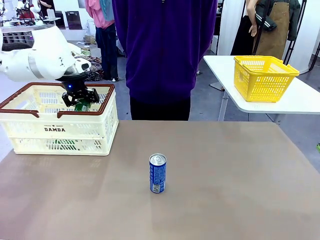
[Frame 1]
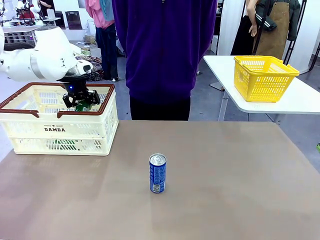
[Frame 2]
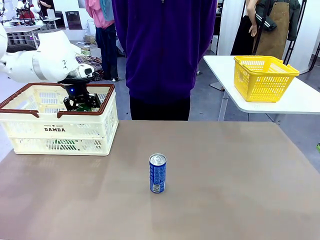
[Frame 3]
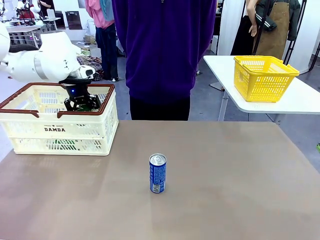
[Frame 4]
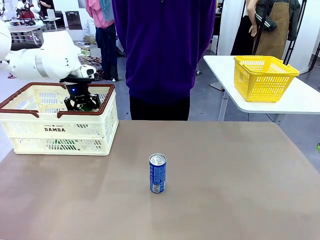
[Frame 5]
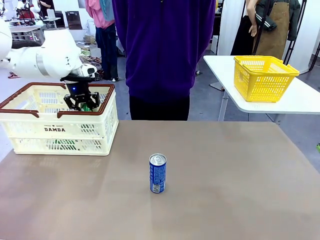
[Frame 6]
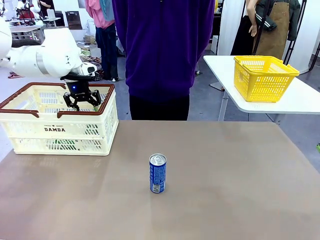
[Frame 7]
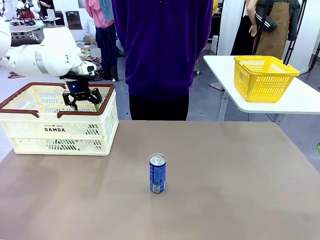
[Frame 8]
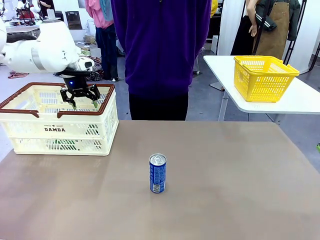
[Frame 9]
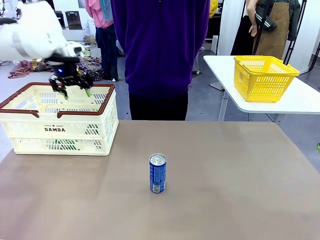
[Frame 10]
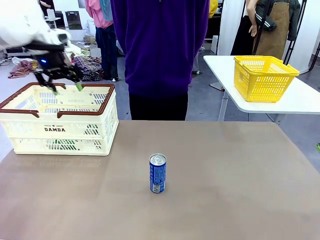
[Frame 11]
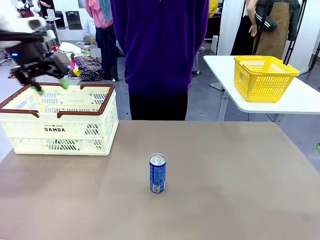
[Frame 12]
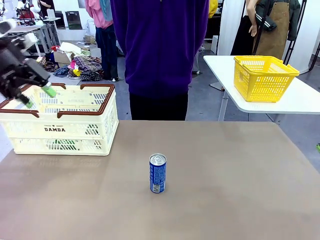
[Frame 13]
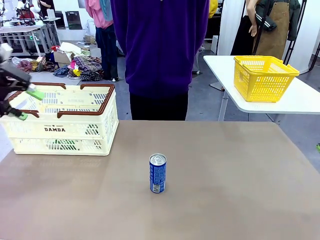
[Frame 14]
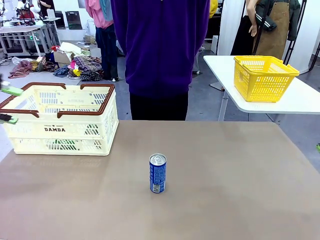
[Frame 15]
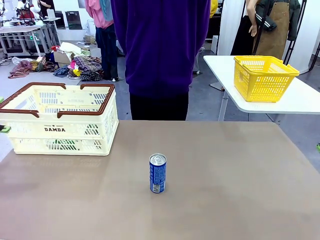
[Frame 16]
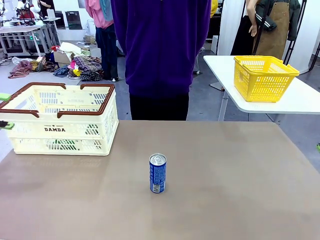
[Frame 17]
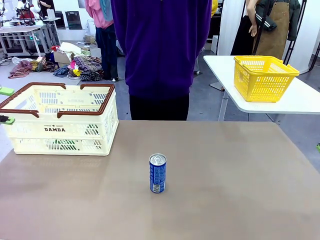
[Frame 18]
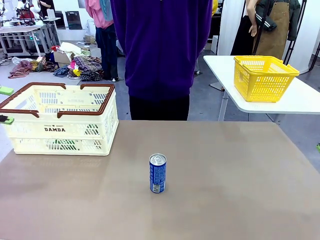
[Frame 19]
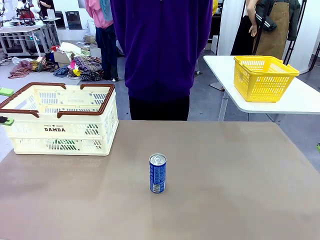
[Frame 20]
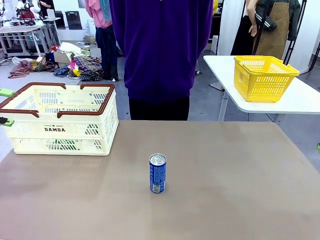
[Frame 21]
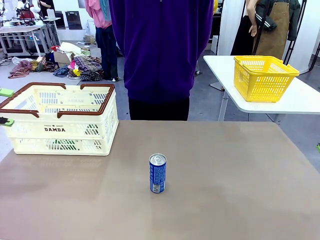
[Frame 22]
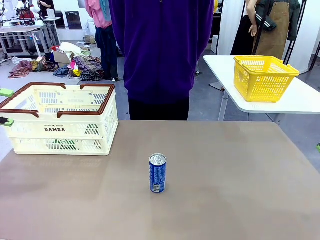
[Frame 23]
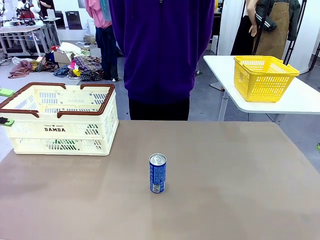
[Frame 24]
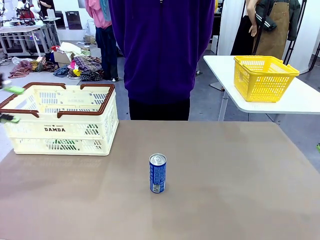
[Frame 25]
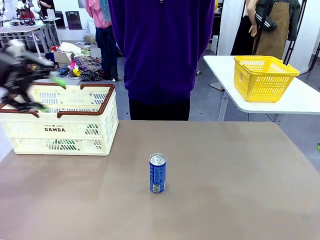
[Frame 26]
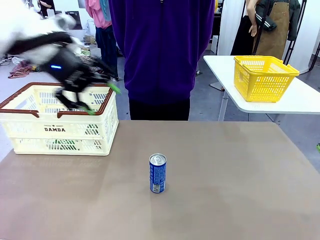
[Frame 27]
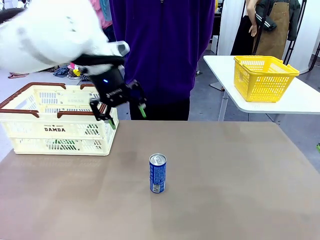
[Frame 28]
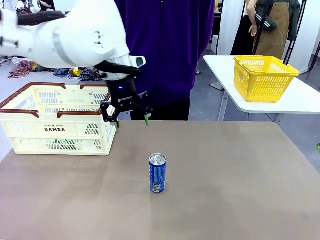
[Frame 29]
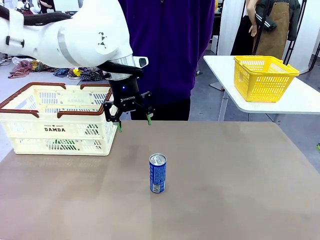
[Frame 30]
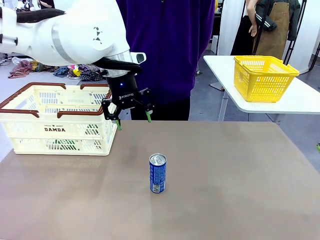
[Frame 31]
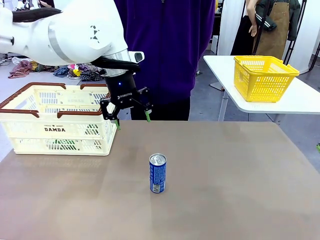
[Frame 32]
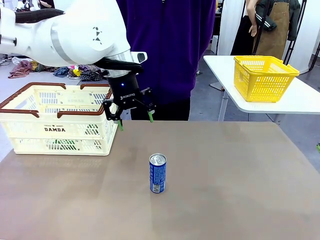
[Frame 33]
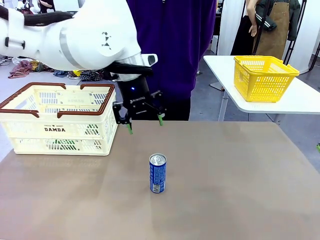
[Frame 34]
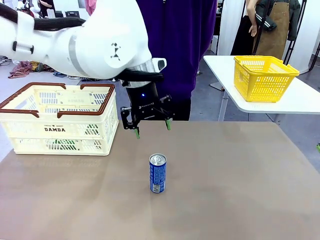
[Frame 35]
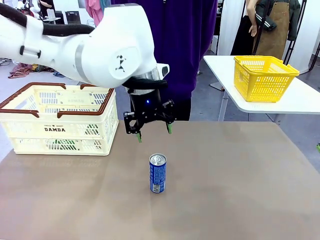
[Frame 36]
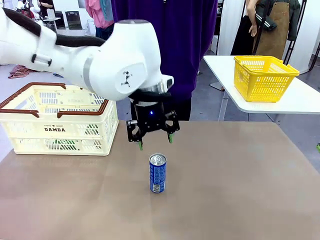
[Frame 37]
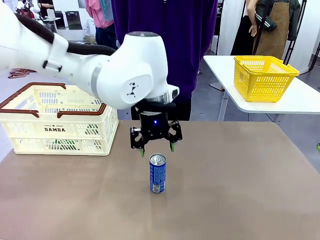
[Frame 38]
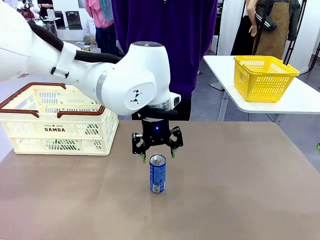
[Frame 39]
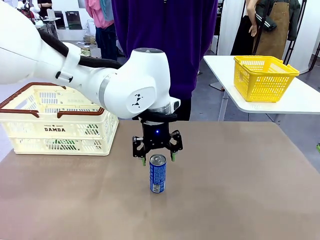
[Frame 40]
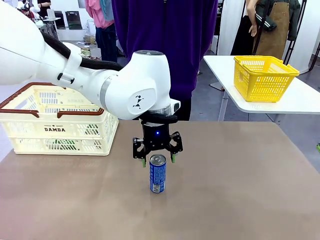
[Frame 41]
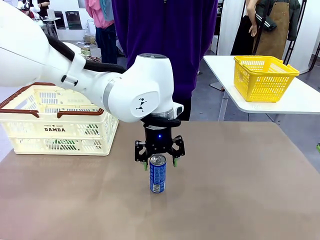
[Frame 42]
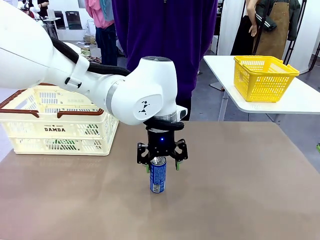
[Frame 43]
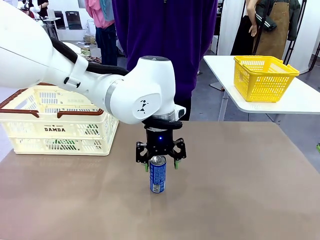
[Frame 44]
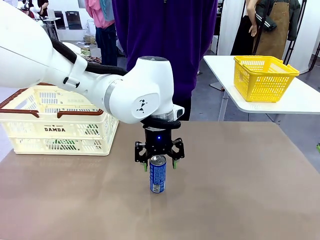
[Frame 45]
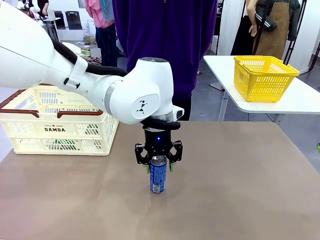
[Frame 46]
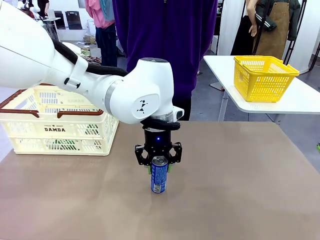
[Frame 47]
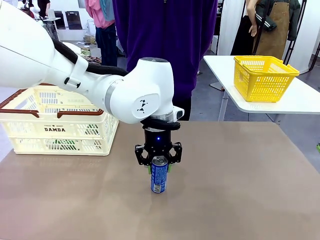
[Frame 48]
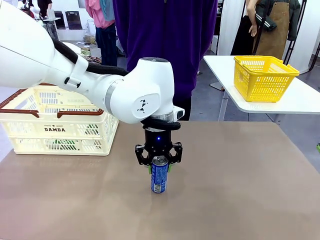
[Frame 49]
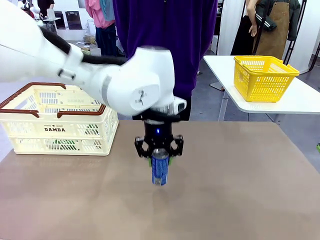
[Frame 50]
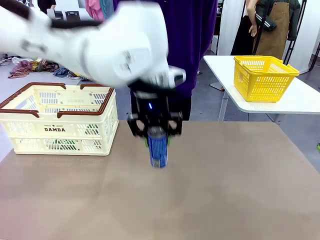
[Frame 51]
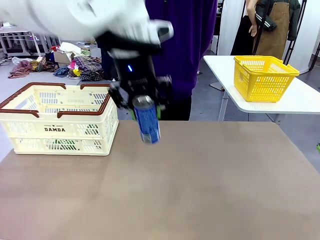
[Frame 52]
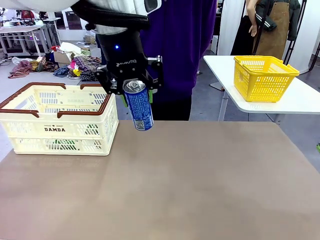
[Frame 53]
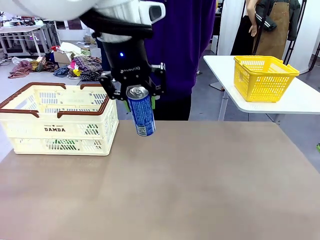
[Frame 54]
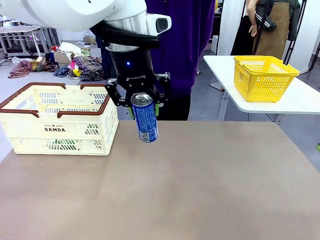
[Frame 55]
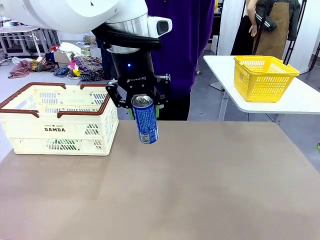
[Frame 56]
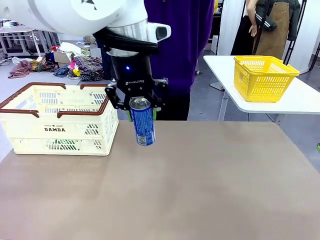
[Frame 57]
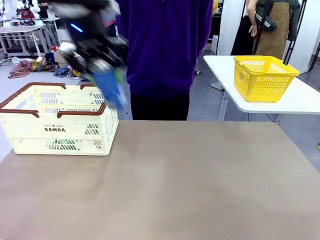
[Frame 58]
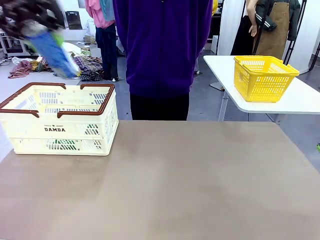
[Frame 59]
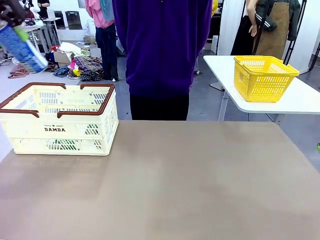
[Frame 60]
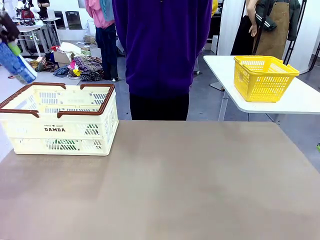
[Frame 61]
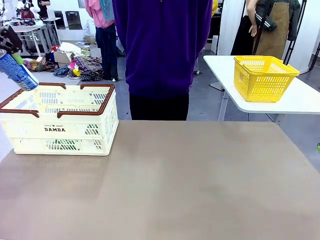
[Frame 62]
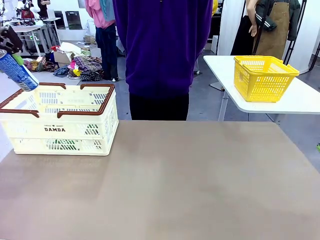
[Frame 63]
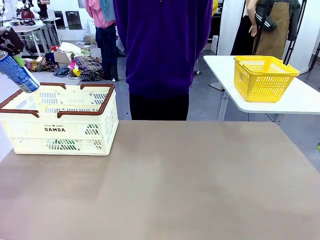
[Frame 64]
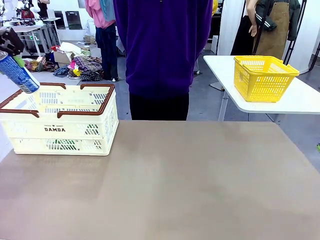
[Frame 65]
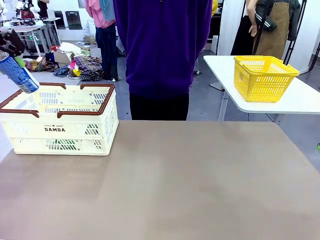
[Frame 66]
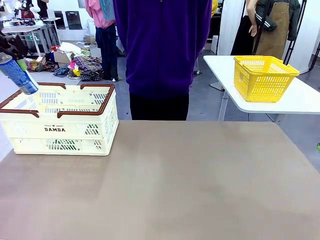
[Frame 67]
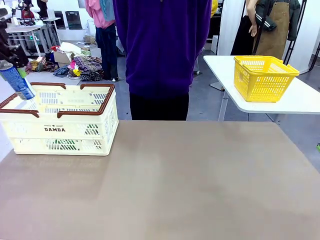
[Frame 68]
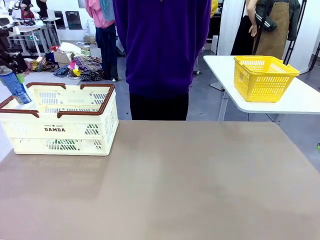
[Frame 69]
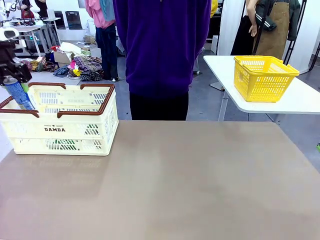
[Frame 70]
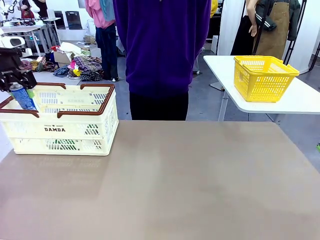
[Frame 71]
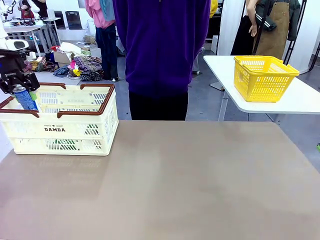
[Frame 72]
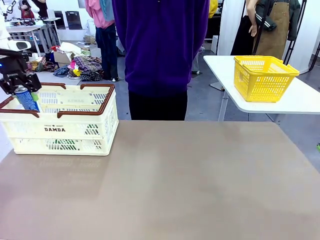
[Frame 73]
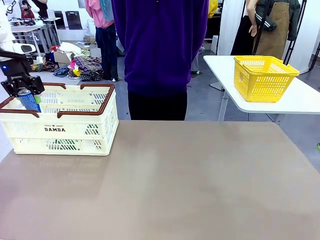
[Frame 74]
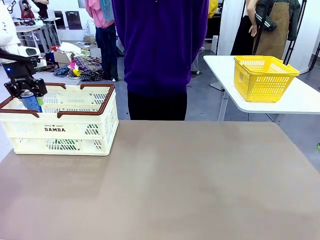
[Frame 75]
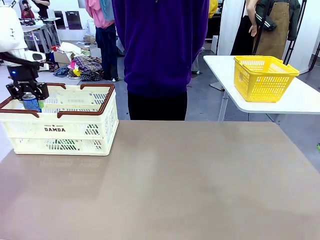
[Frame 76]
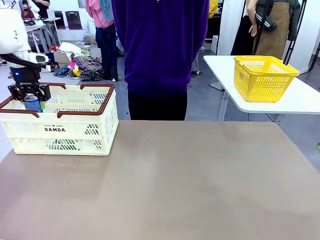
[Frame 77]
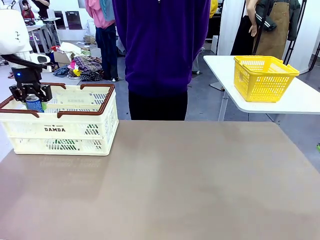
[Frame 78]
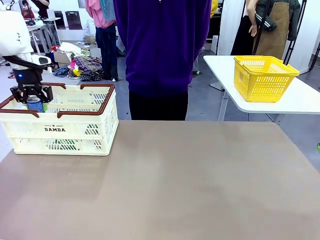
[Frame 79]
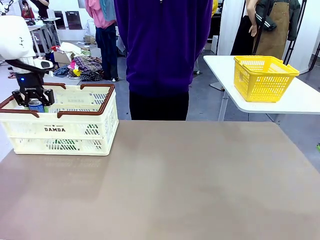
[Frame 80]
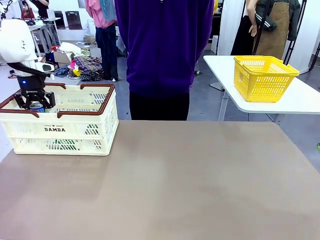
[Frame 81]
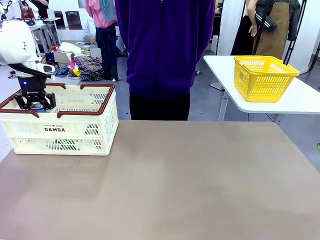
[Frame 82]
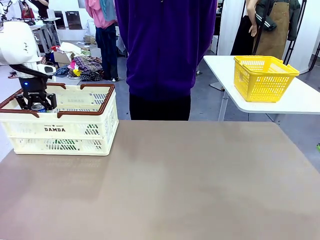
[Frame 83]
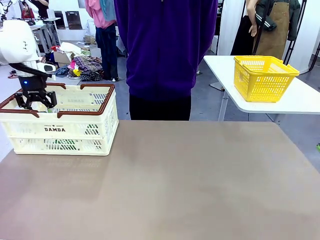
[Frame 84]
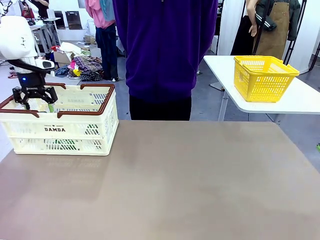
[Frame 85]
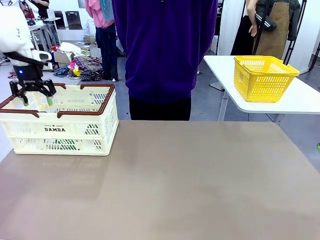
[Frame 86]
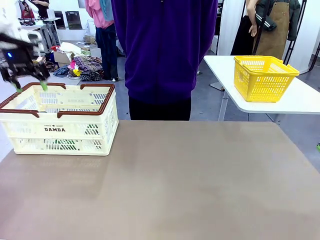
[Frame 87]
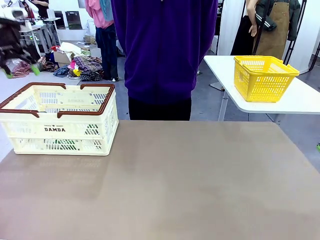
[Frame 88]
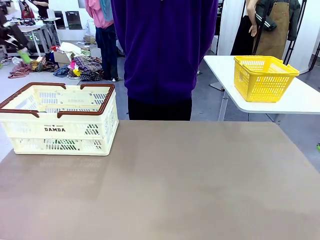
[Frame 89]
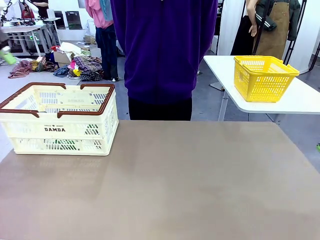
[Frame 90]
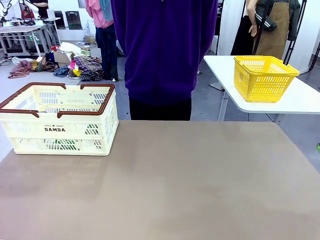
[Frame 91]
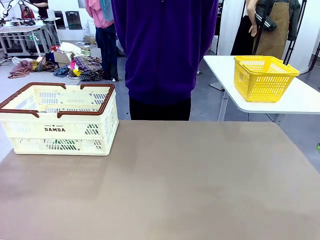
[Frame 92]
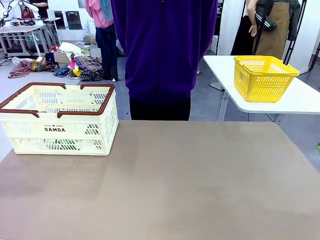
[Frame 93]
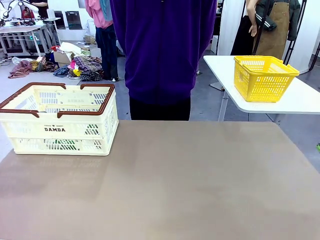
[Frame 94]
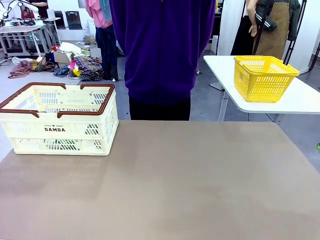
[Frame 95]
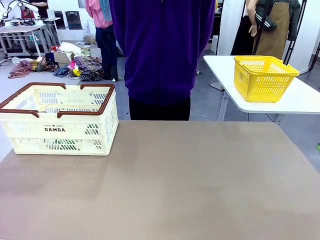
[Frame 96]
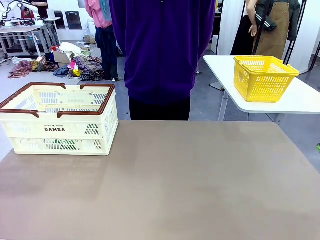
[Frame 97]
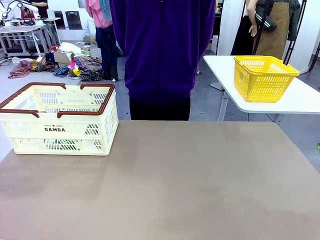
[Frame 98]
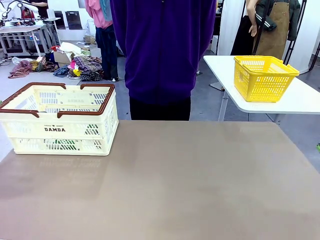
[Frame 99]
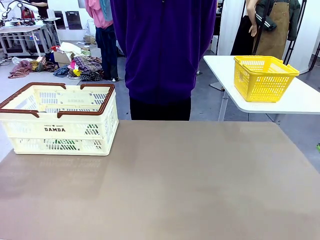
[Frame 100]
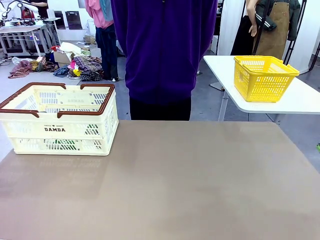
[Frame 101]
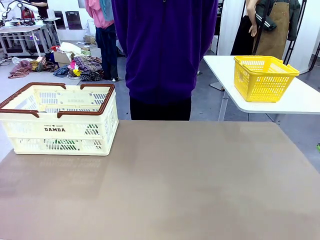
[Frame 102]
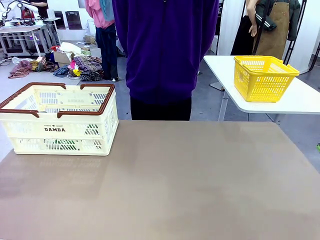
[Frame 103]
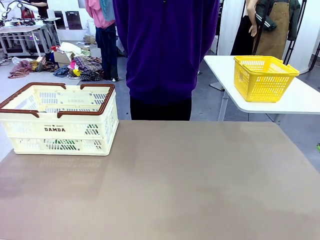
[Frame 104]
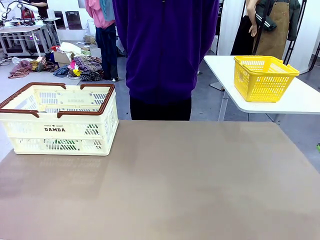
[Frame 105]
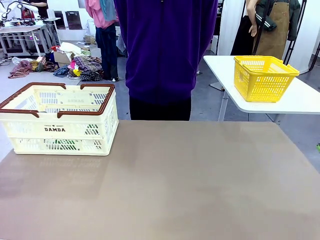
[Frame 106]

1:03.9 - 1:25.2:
Task: Place the drinks into the Shopping basket.
Robot: Pick up one drink and place it into the Shopping basket.
